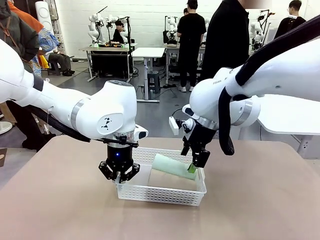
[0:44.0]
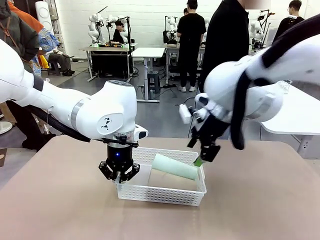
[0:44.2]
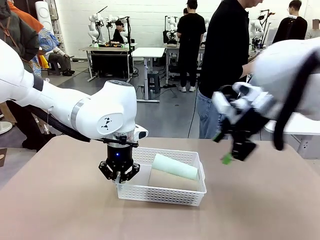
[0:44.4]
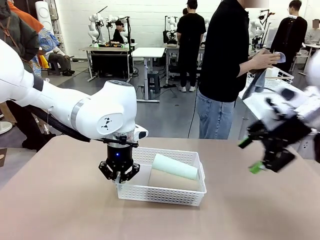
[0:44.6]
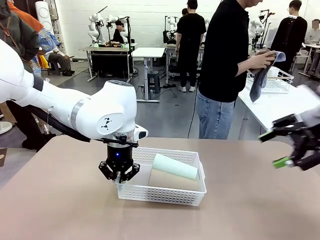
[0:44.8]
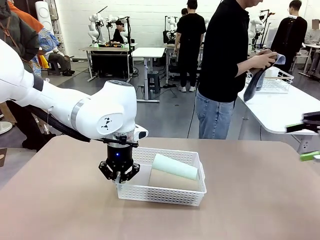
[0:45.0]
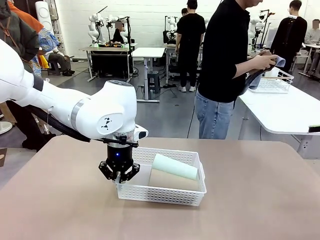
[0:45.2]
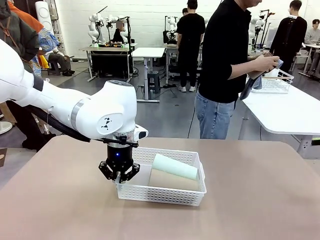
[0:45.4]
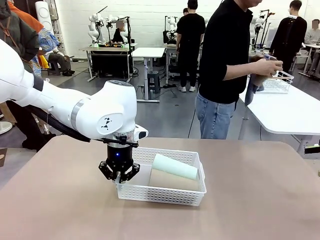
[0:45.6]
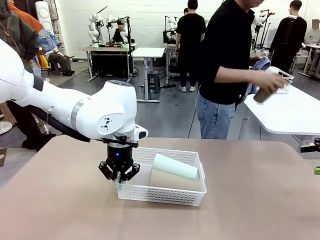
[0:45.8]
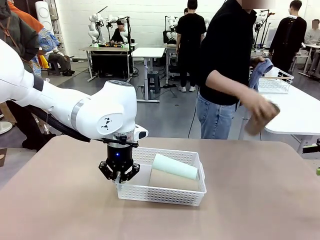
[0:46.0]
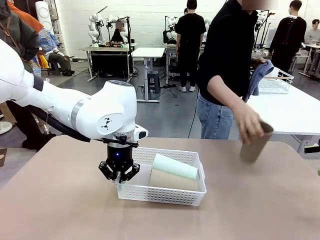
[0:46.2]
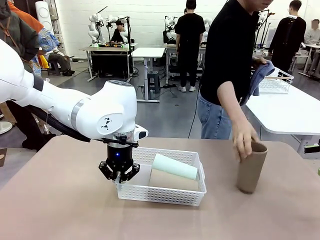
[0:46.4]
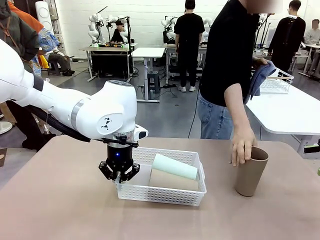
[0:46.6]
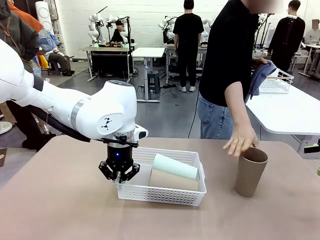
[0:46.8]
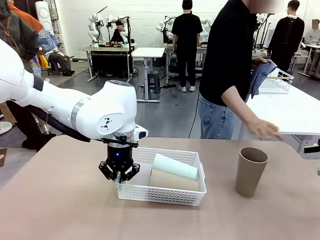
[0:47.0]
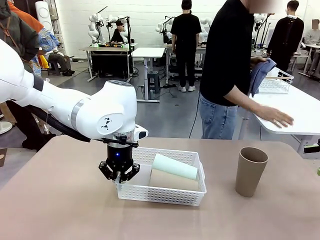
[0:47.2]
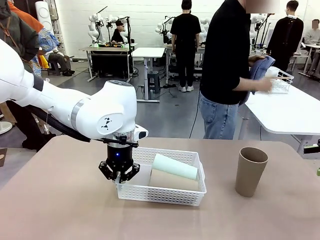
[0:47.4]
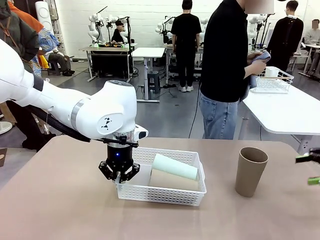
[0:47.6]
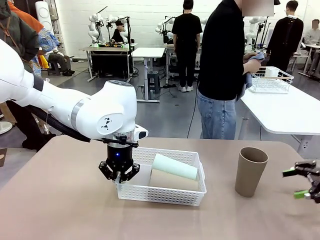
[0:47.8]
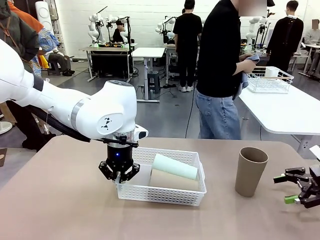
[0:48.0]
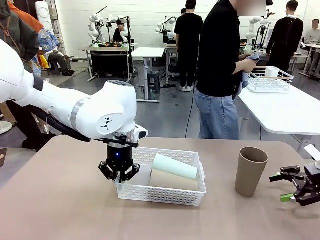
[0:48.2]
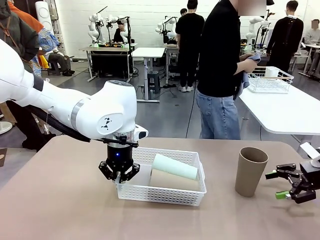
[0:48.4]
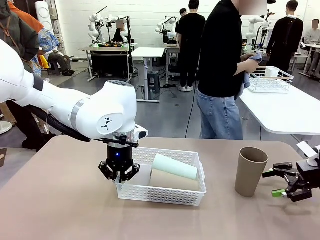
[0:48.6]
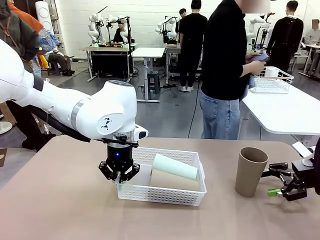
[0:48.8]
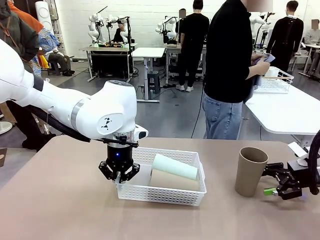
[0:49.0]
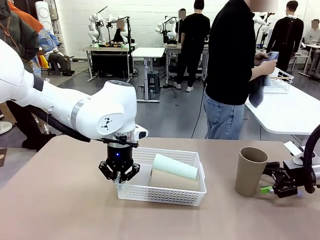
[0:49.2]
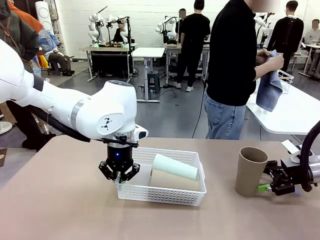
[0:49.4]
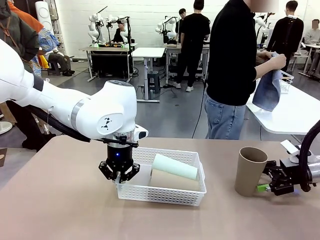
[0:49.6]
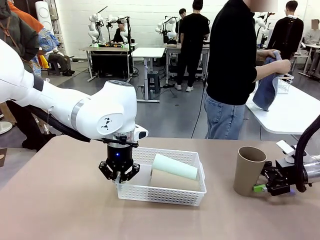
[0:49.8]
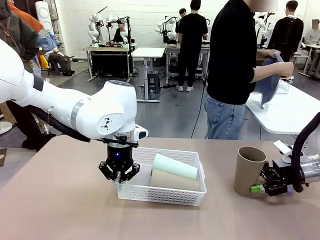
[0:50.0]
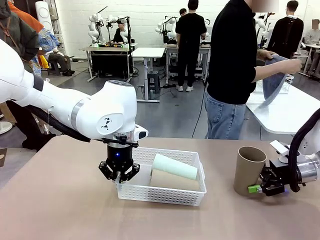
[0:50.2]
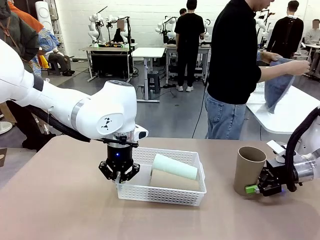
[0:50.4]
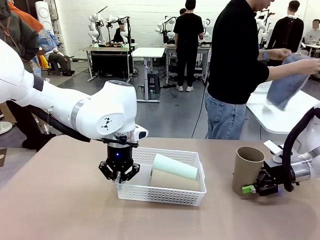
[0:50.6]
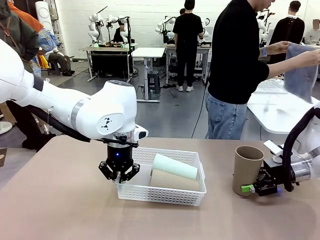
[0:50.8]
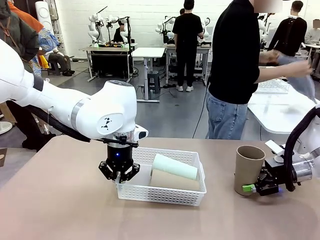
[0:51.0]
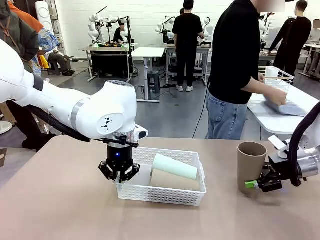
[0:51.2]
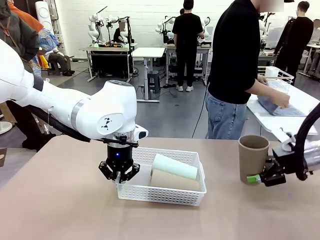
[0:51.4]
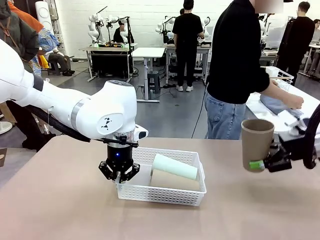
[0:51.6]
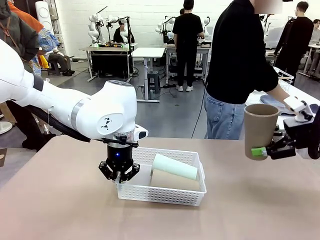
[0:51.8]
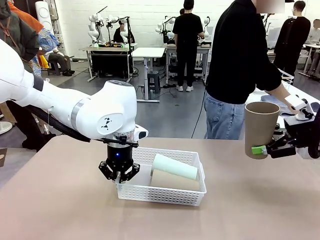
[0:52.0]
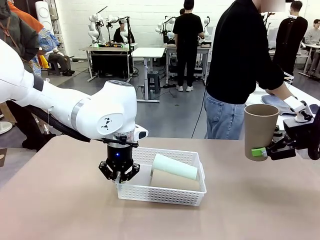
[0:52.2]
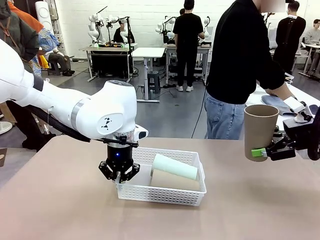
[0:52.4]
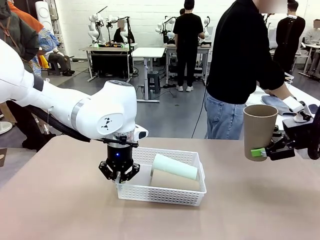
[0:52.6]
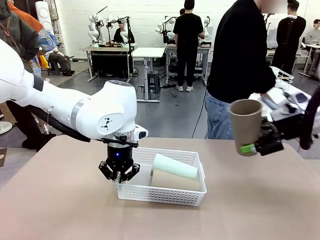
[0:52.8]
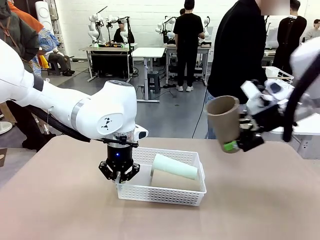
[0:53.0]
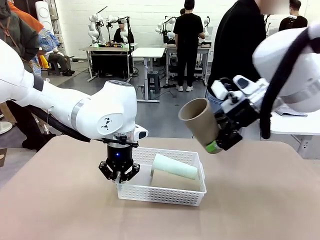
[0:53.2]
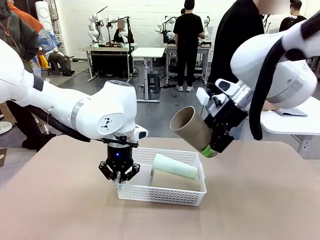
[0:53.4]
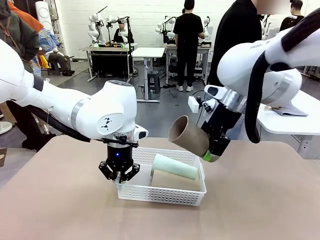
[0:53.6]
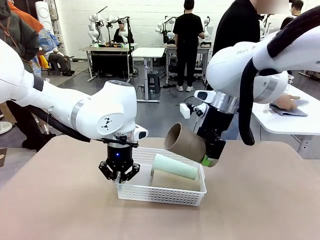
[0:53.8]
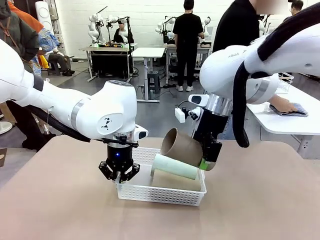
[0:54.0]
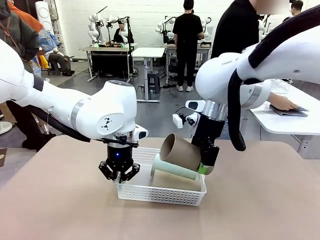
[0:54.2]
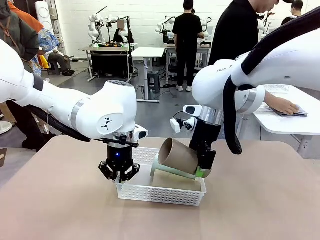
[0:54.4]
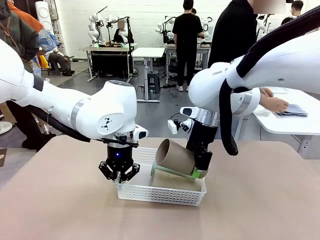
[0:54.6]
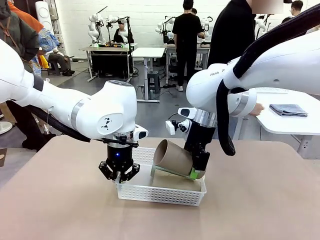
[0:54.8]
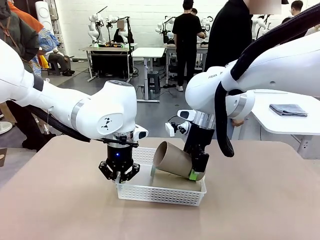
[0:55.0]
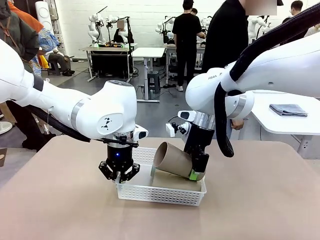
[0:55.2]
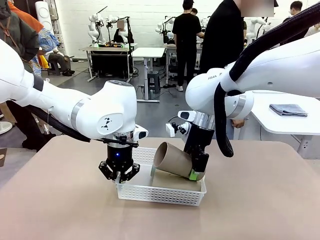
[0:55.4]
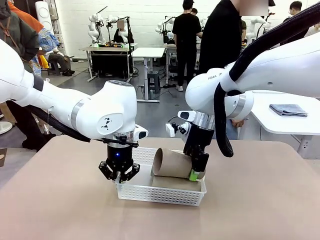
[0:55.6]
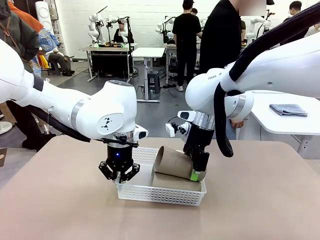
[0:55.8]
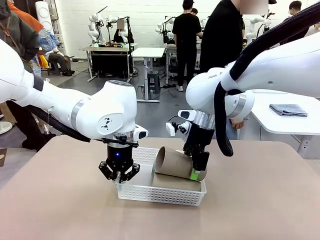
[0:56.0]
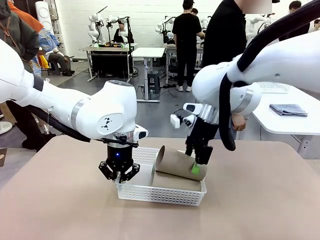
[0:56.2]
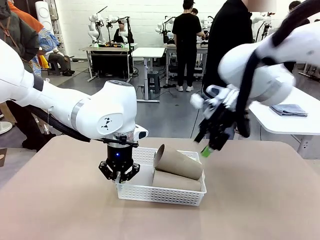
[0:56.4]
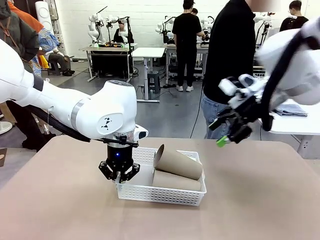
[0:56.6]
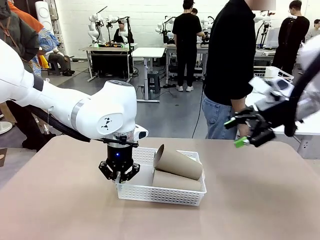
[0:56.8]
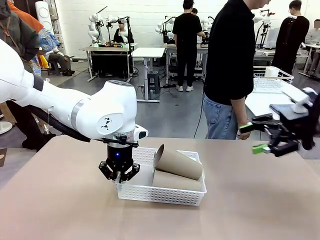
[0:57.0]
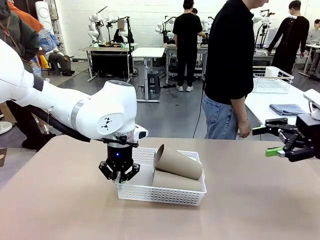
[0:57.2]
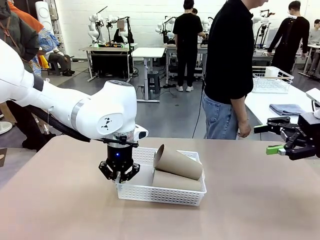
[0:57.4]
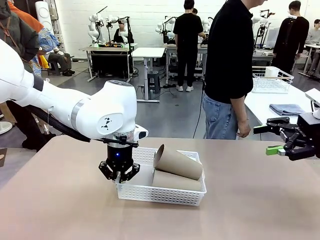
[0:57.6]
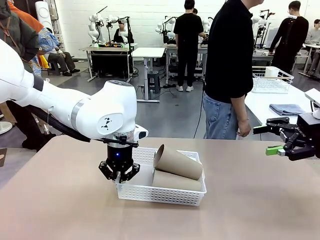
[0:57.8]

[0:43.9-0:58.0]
Task: Clean and organize the cups into the basket.
Robot: Pick up the Reusable plastic cup from the right side of the table and stack it inside the Organizing basket in the center of the table.
